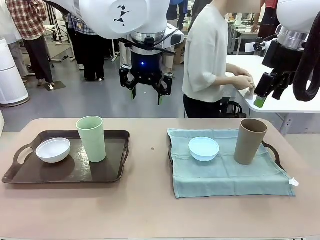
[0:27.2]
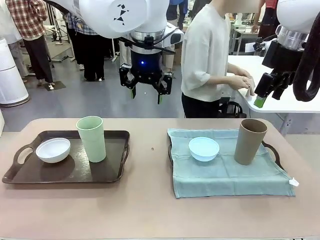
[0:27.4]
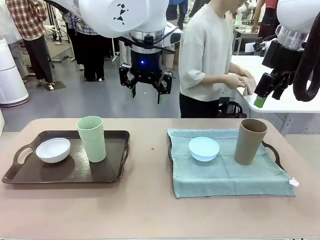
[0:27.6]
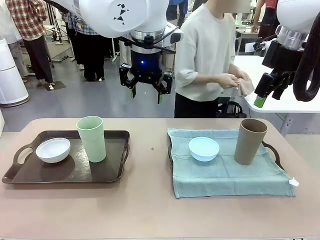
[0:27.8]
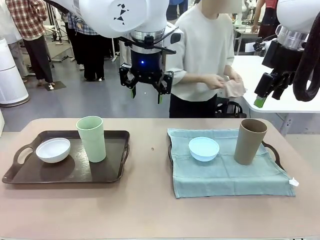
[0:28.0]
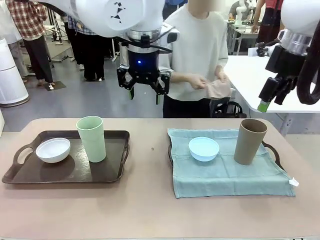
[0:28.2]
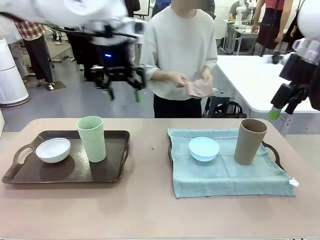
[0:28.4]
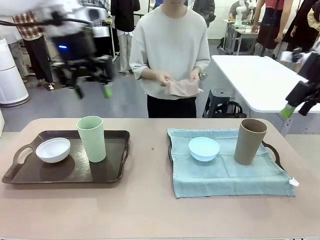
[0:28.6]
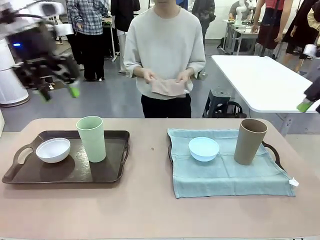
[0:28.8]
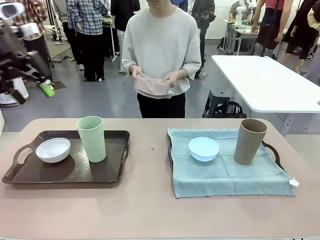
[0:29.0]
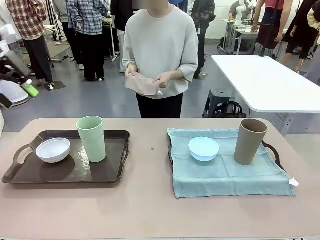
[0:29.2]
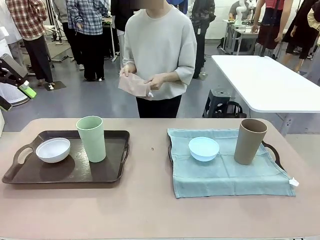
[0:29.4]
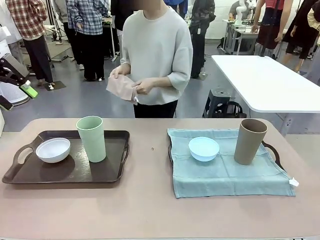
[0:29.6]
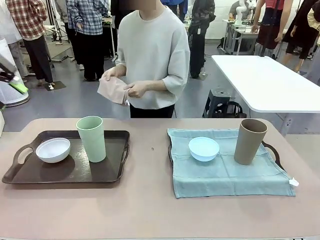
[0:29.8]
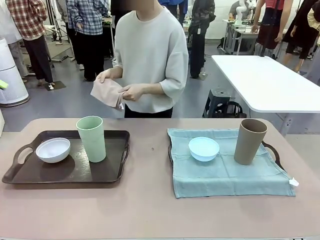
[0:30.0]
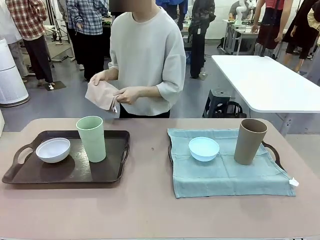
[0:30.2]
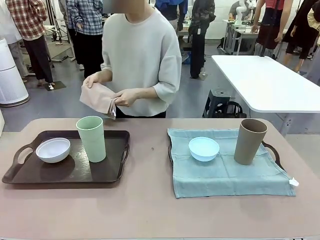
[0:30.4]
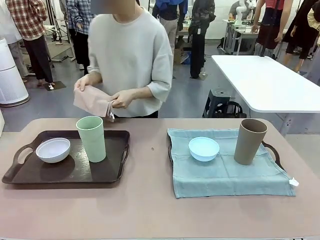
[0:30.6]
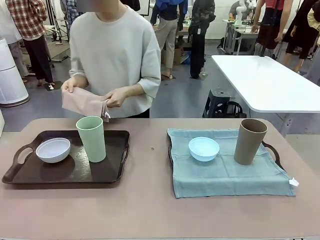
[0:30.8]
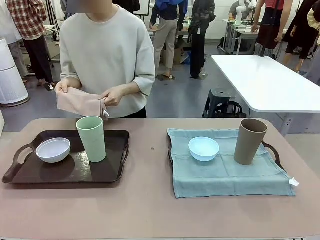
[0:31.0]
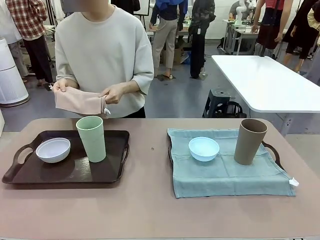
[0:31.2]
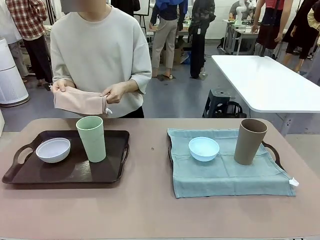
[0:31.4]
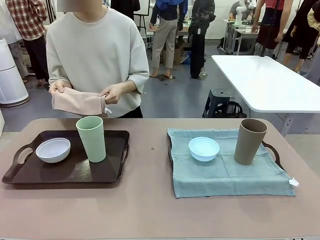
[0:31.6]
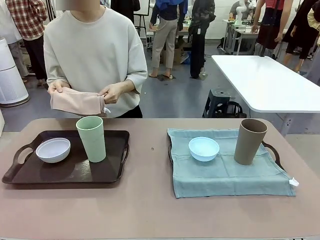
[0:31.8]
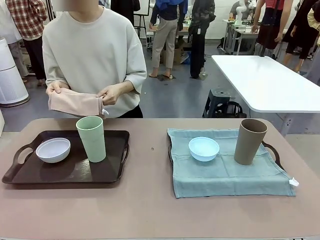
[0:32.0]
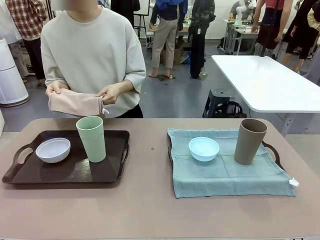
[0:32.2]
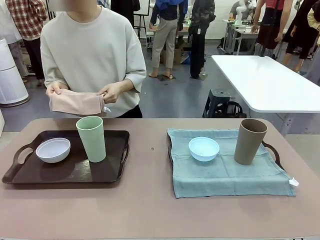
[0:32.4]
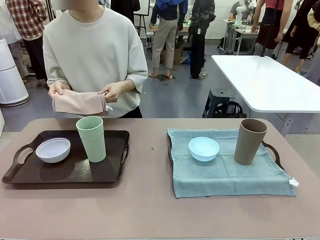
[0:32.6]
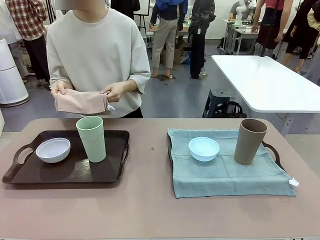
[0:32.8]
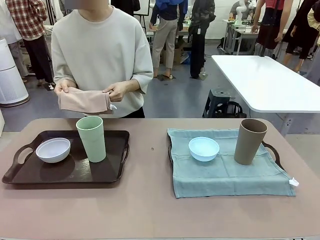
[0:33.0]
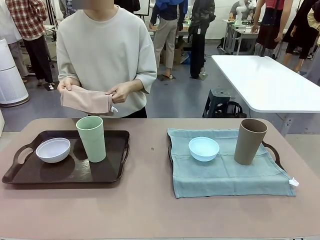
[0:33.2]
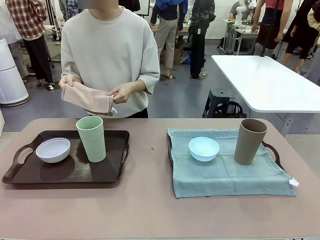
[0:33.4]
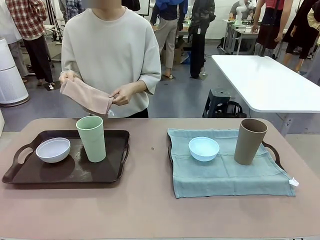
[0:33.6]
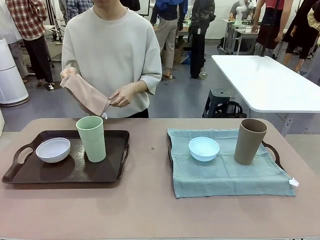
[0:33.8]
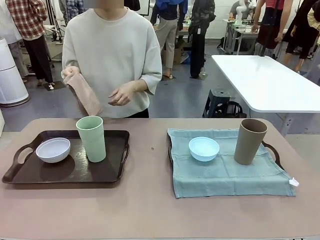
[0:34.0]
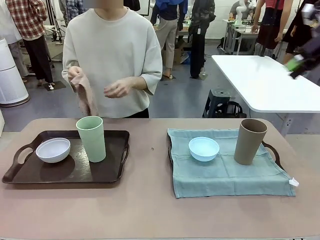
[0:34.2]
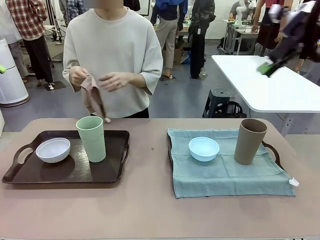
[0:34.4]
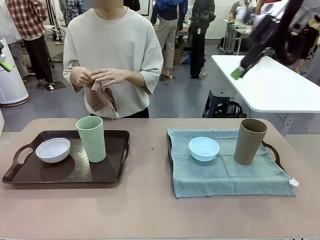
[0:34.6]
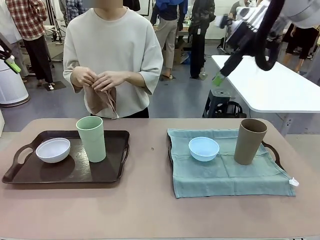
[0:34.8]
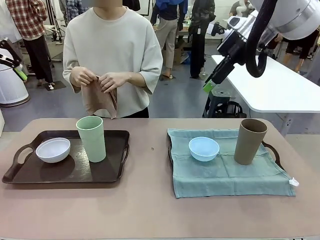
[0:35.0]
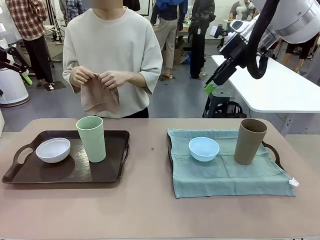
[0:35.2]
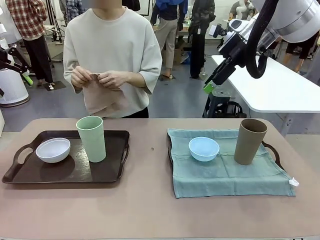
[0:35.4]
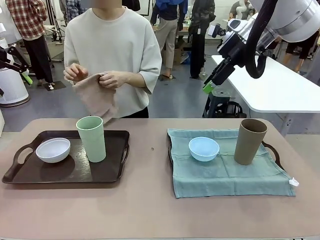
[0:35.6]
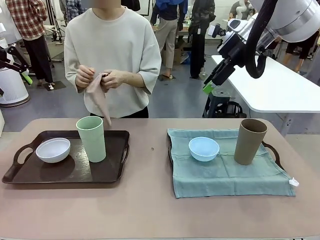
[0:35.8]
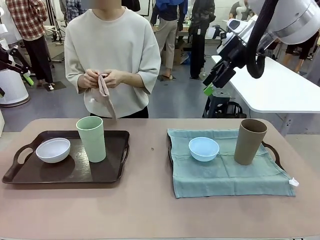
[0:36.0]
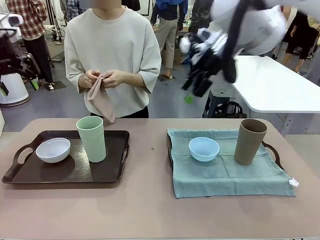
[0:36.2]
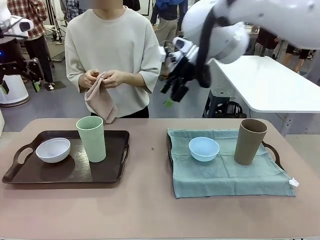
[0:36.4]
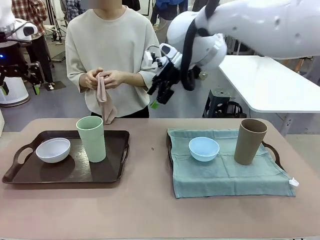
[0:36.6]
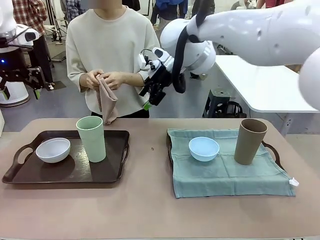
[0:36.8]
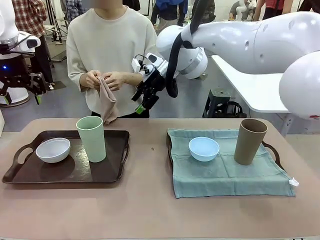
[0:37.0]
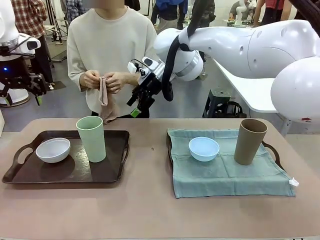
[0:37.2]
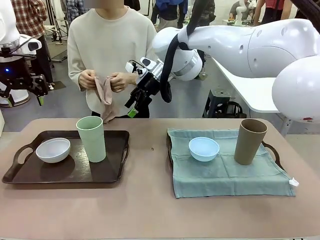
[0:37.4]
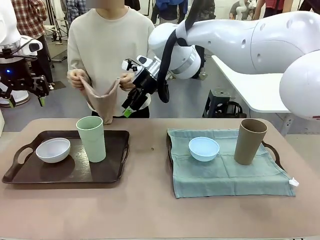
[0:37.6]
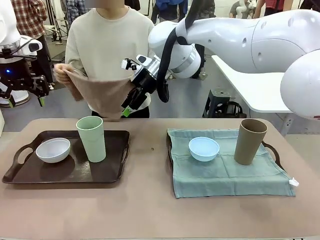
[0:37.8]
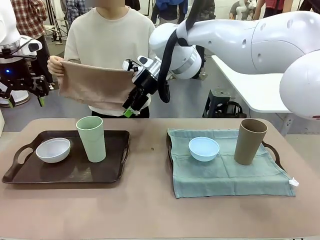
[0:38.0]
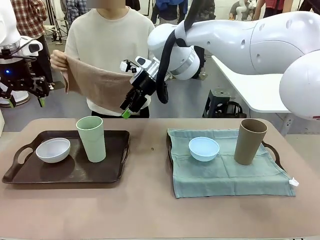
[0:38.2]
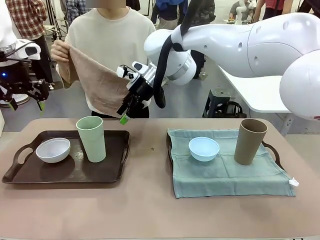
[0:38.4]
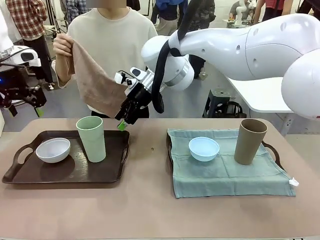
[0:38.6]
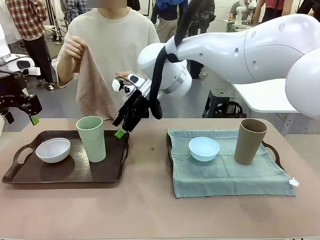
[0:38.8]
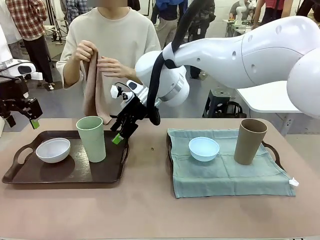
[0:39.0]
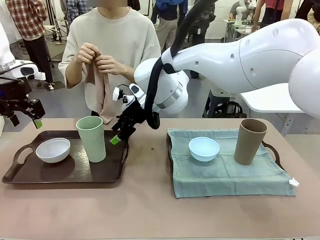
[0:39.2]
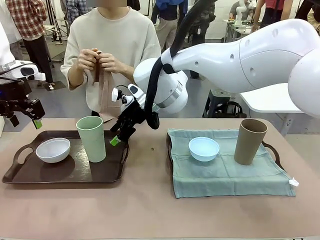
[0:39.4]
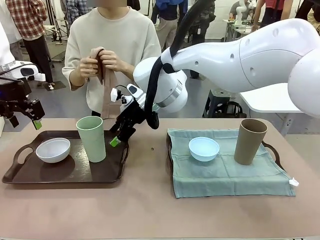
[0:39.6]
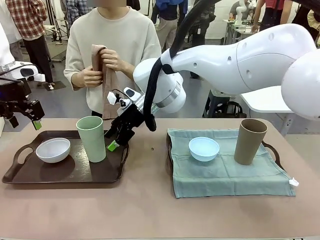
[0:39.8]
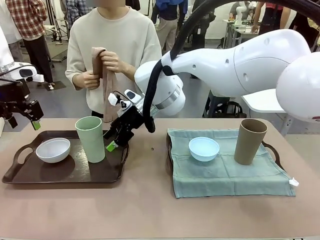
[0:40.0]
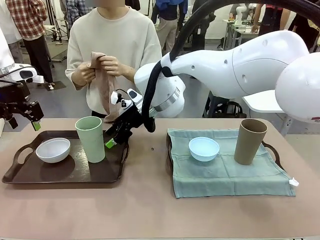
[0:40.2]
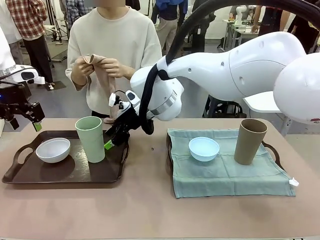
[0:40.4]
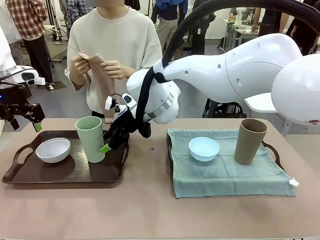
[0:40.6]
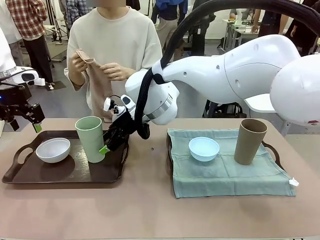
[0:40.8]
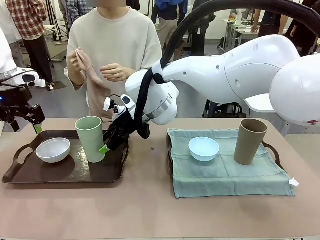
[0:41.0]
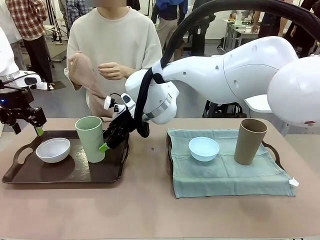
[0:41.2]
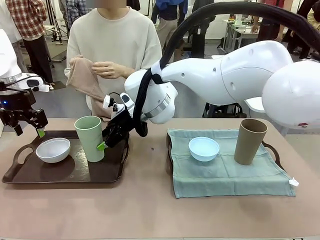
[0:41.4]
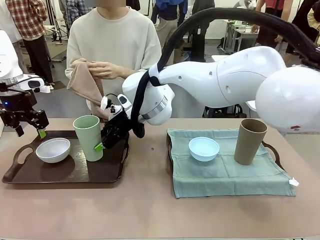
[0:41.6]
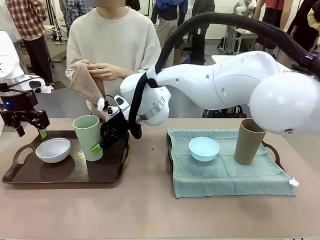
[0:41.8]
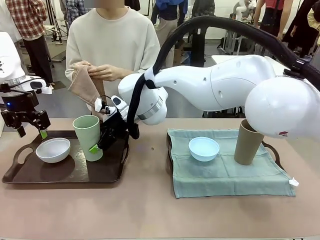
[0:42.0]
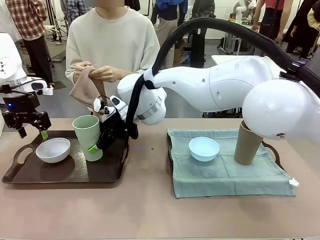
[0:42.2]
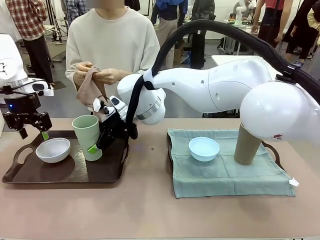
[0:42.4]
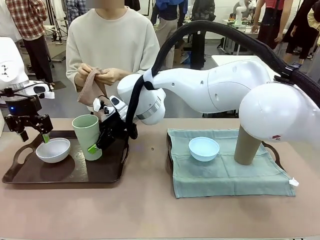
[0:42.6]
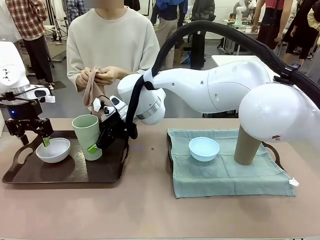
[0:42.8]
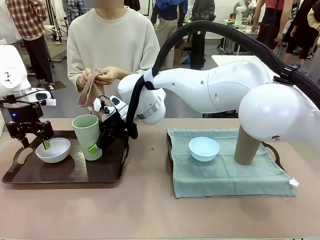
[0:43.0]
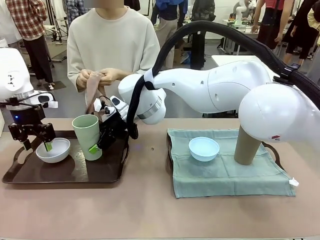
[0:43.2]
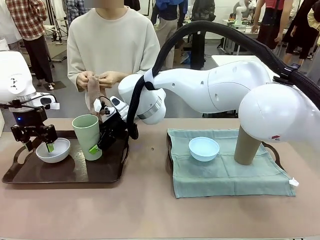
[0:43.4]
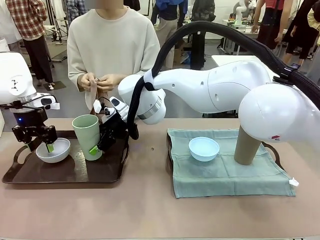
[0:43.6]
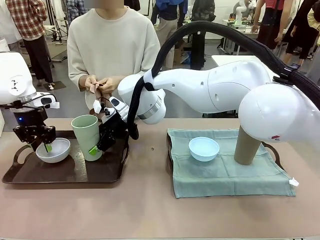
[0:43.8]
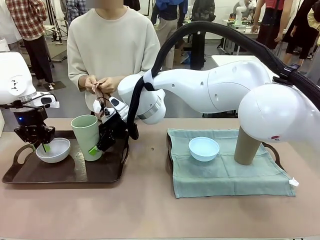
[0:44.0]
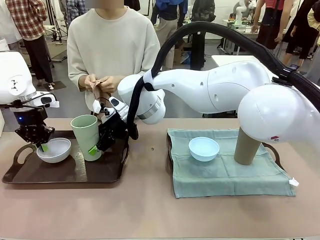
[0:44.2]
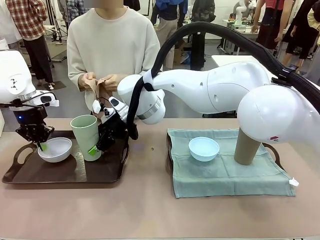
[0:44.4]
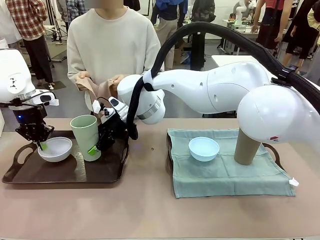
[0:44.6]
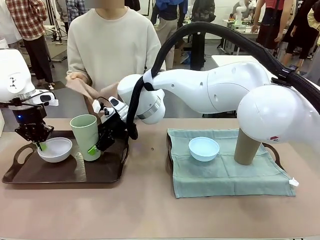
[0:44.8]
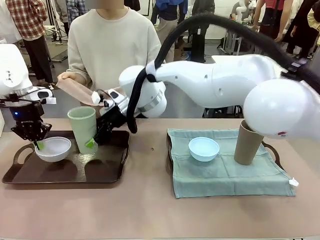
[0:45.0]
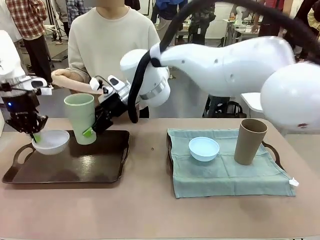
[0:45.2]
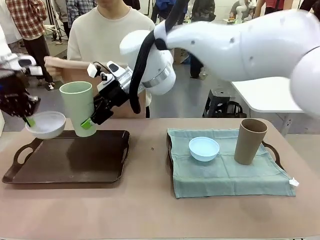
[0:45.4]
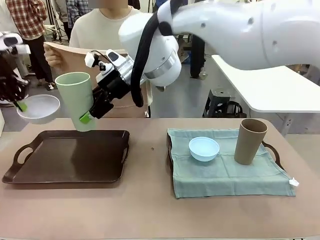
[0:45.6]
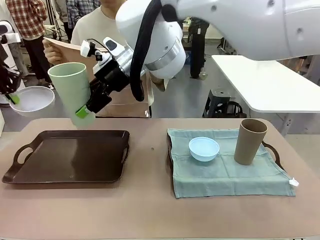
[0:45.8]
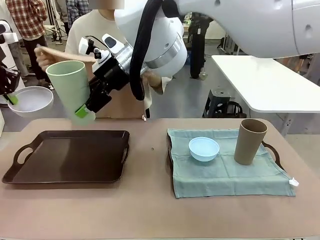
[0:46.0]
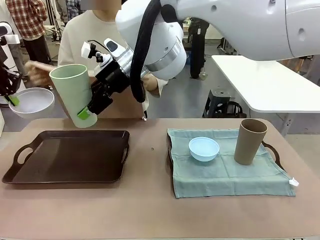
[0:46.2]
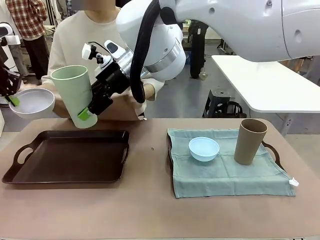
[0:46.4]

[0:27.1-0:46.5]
Robot: Pick up the Picnic Bowl and Reusable plastic cup from the Handle tray in front of the human's position and hold them in the air.
Person: When the robot lifts the bowl and the cup, the human unfolds the napkin and lays the napkin flat on the tray.
